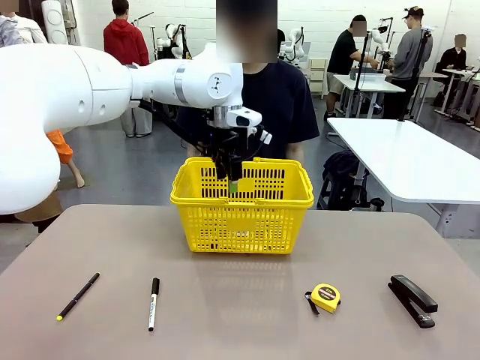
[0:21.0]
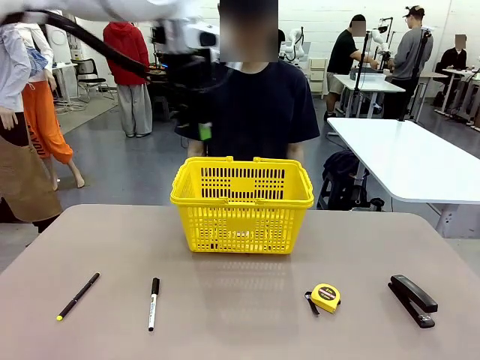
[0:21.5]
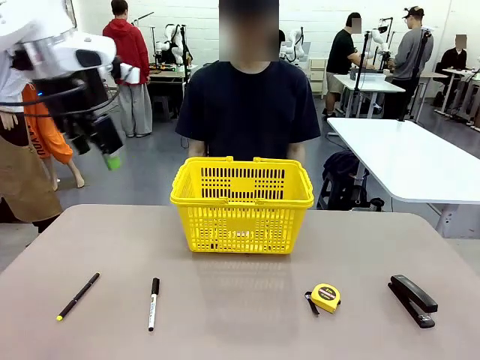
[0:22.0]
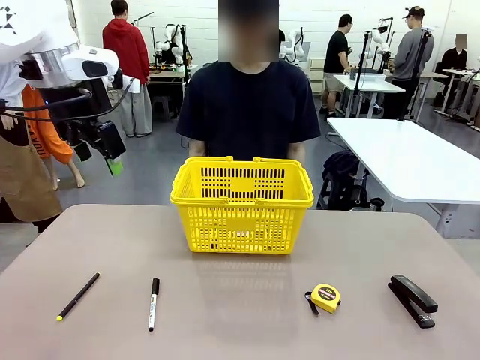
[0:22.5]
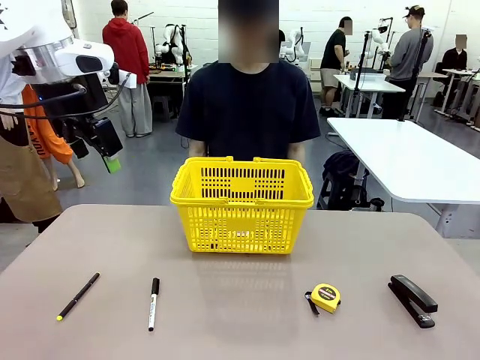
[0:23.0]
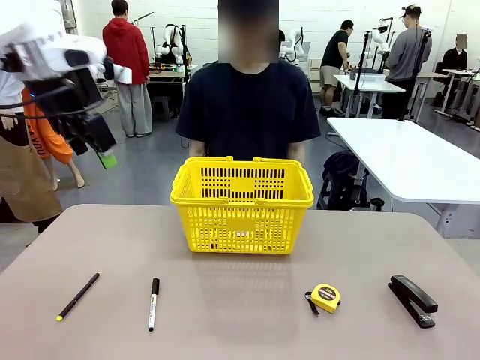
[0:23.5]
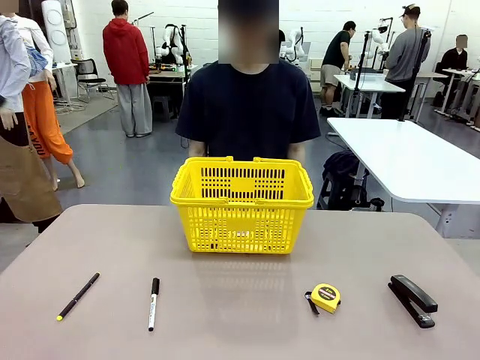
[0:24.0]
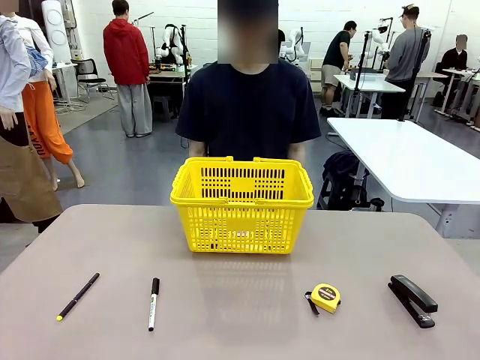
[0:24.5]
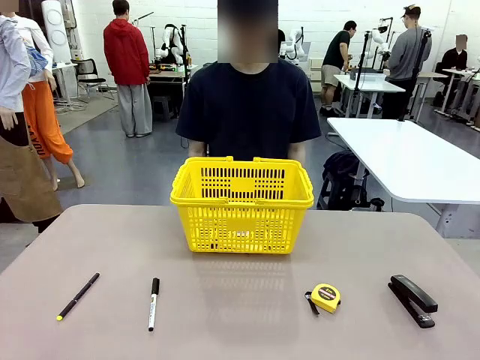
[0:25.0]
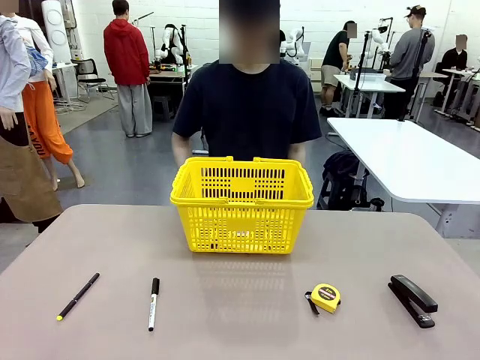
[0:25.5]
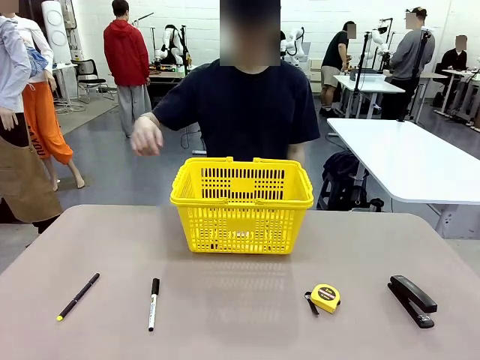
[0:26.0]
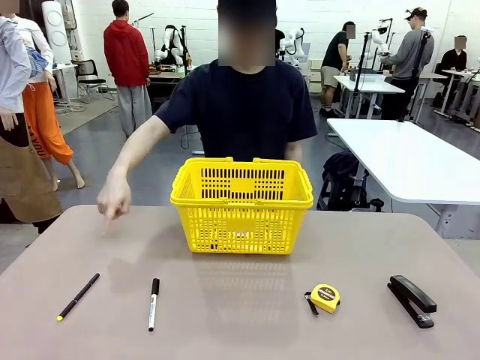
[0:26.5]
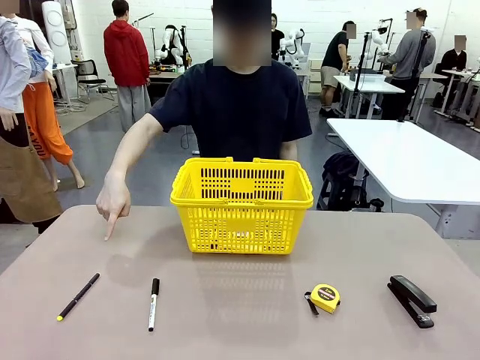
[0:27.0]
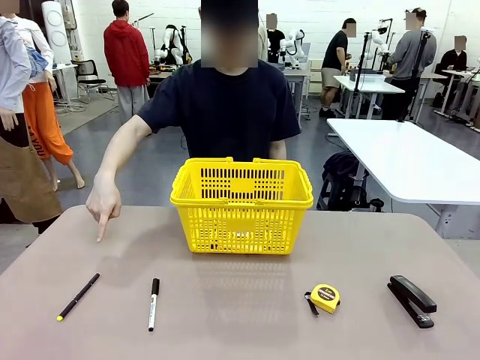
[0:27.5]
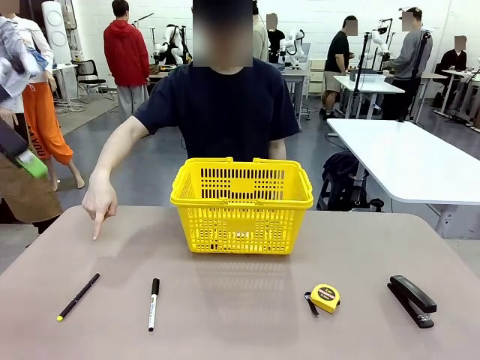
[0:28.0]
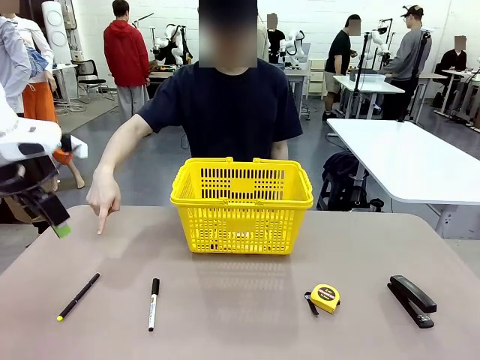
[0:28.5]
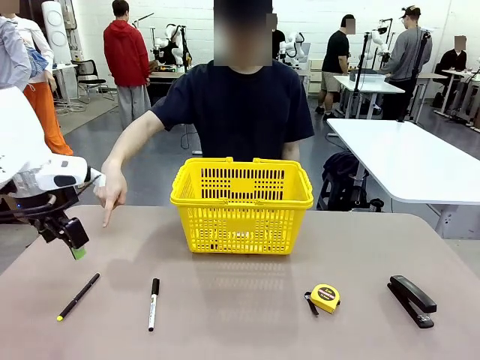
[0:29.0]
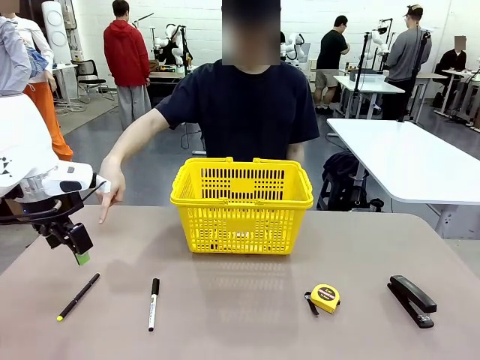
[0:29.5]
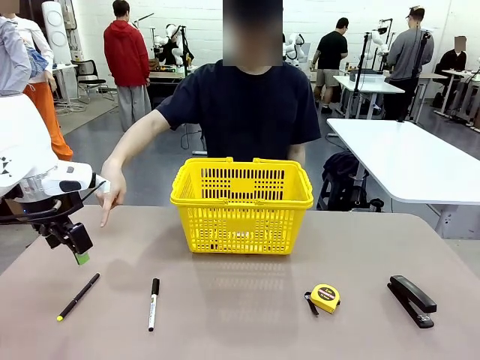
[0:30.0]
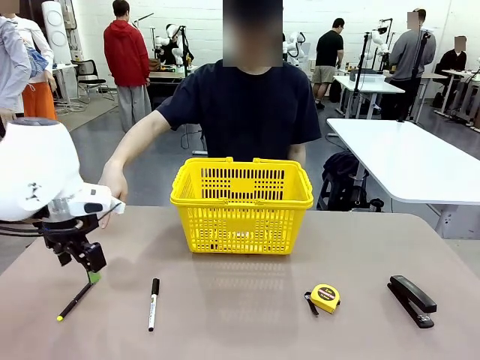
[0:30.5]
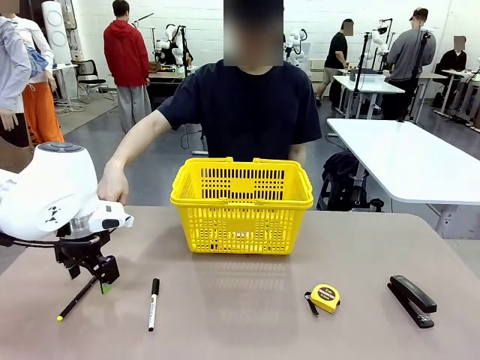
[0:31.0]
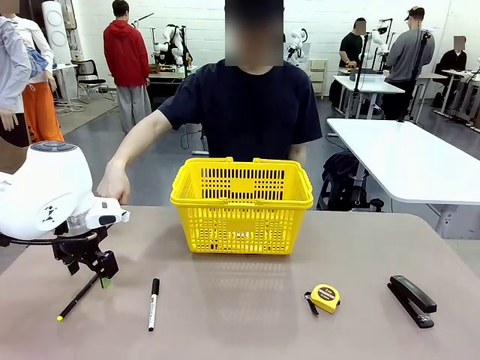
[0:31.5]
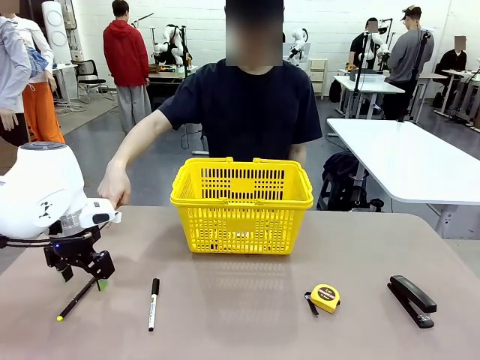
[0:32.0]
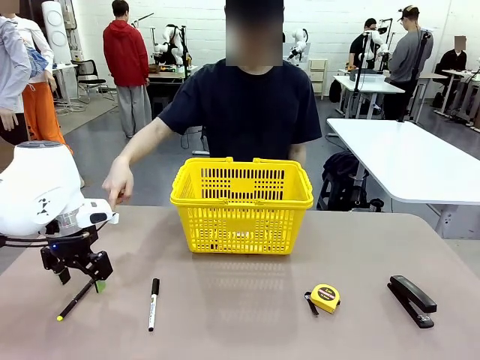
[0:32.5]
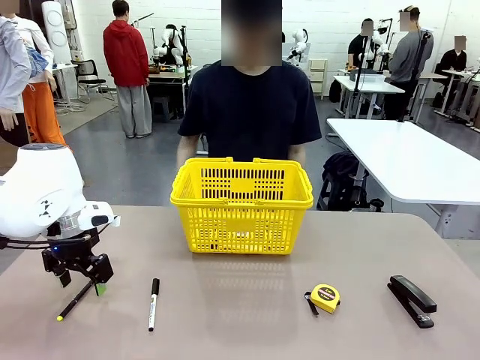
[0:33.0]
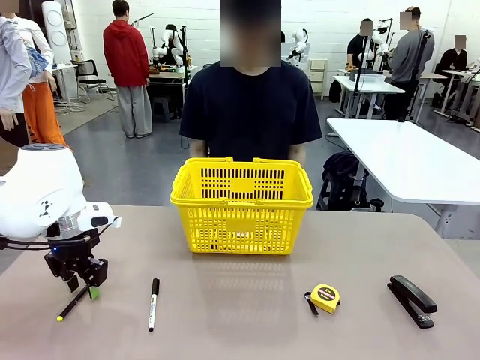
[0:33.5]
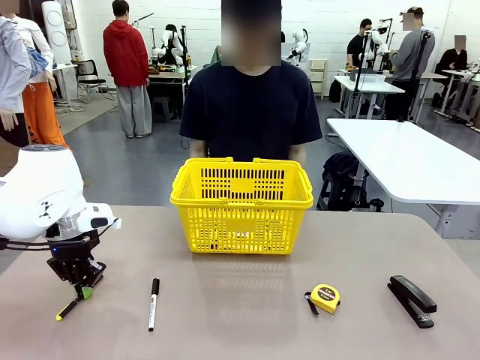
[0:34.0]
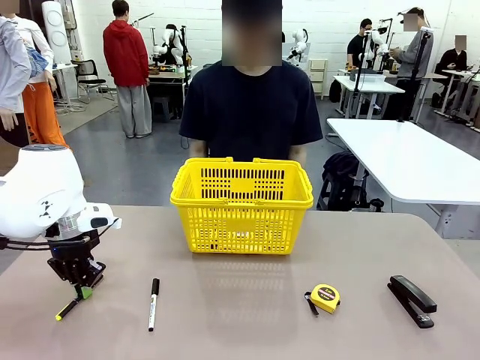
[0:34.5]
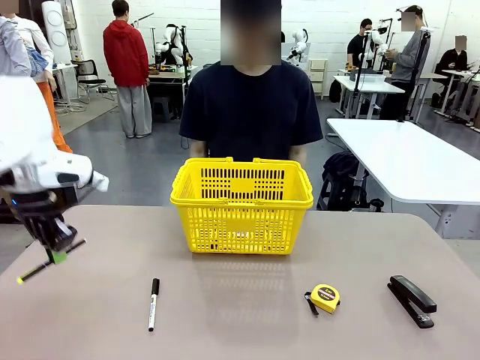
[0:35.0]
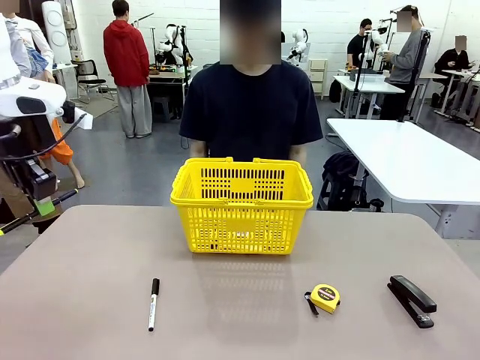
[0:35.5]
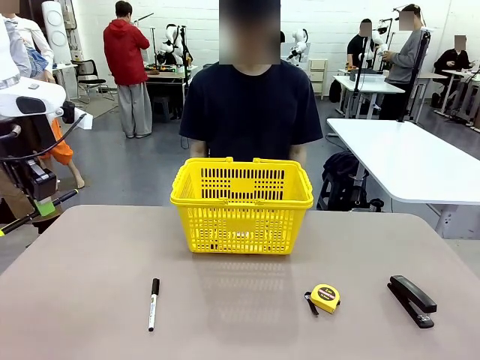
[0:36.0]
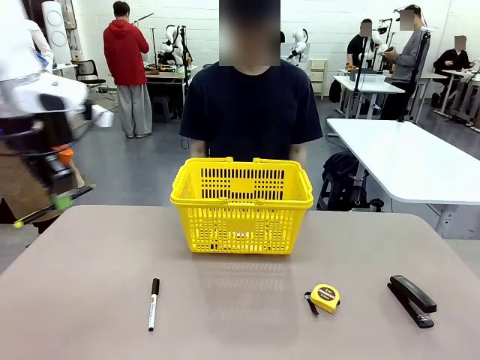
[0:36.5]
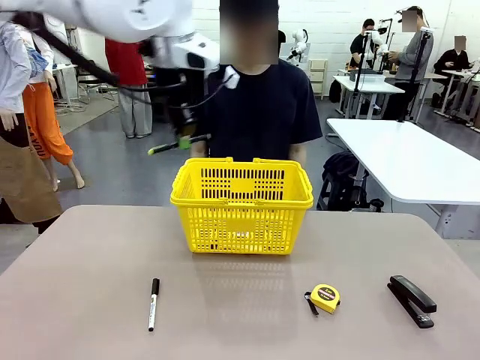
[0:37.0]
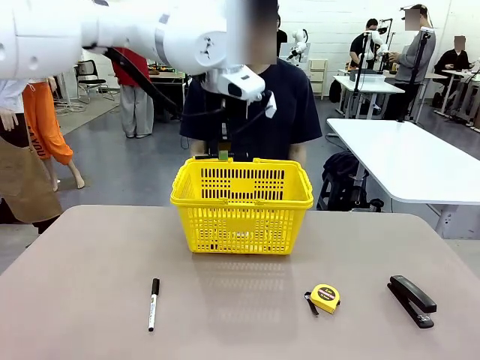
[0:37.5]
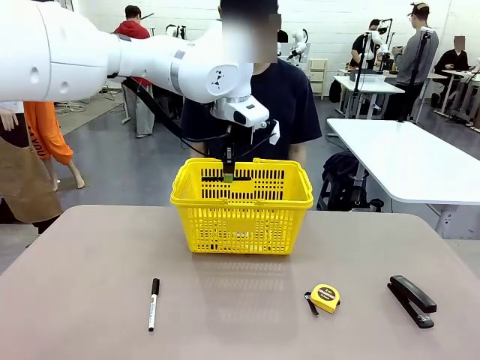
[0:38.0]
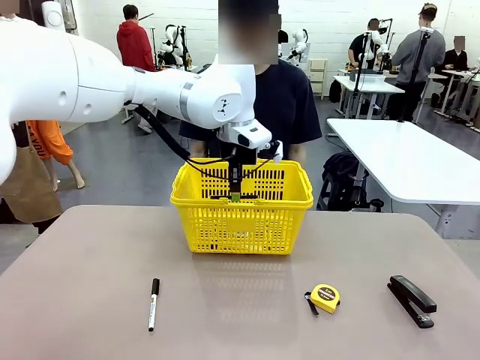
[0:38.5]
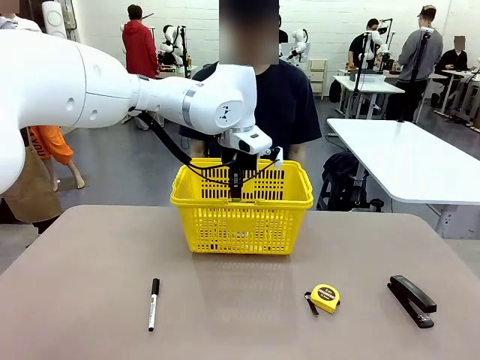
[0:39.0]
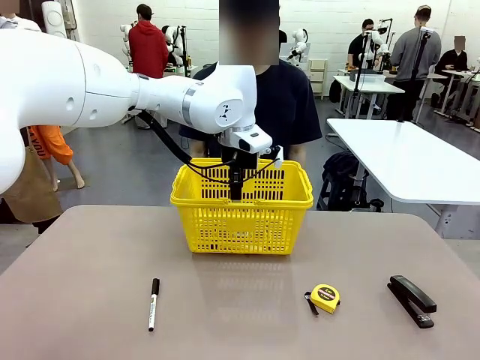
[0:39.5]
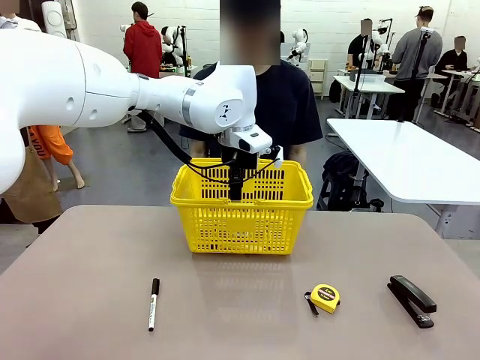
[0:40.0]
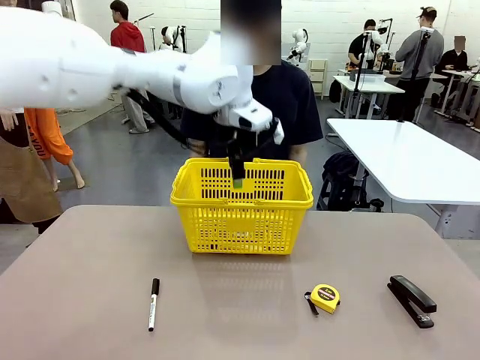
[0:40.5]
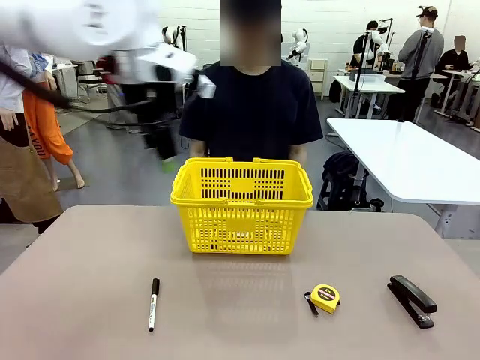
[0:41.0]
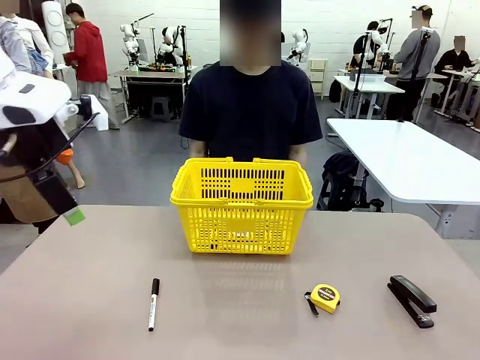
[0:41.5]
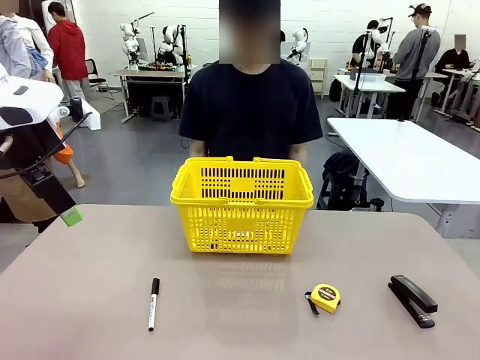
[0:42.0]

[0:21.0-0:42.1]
Task: Place the items the person wants into the basket.
Robot: Pick up the item the person points to and place it in the Market Basket.
